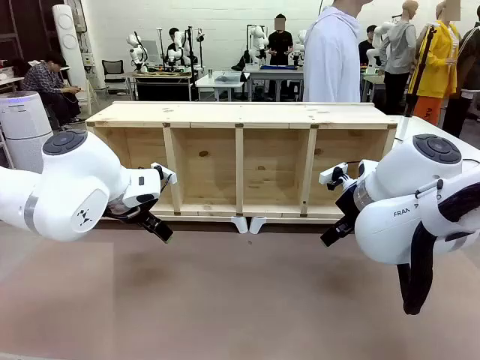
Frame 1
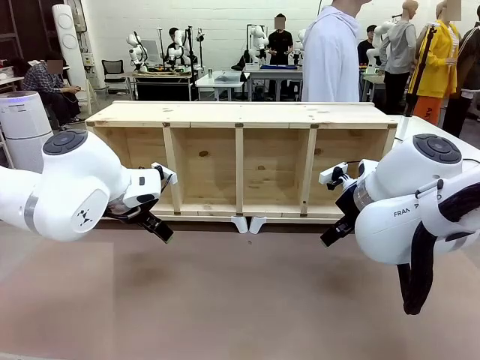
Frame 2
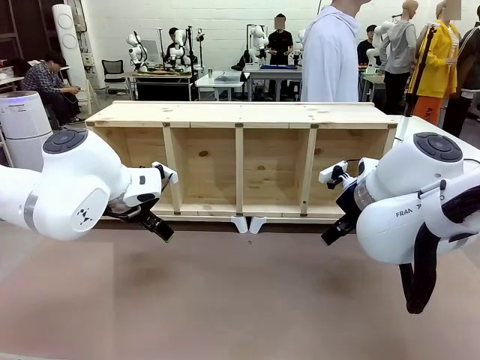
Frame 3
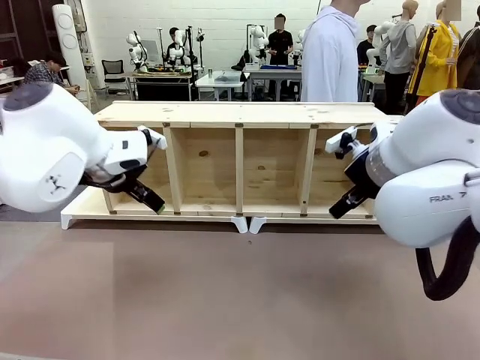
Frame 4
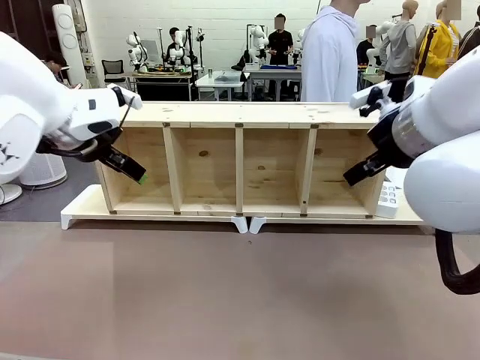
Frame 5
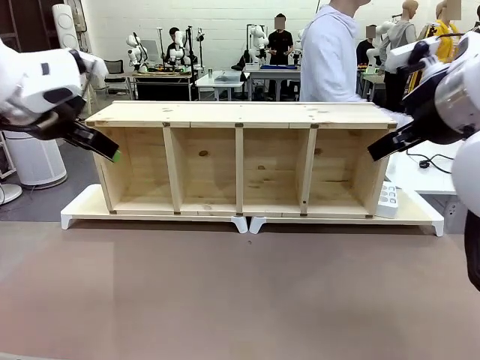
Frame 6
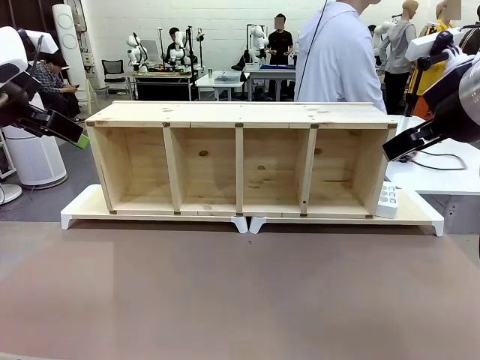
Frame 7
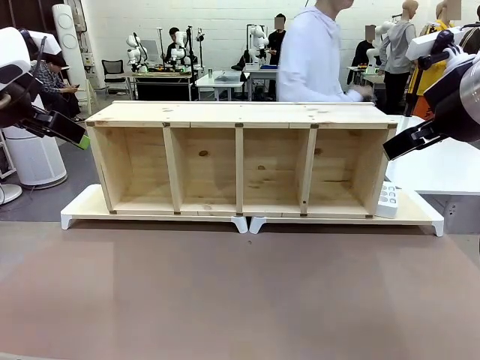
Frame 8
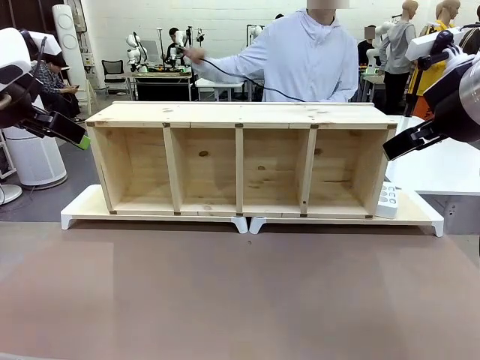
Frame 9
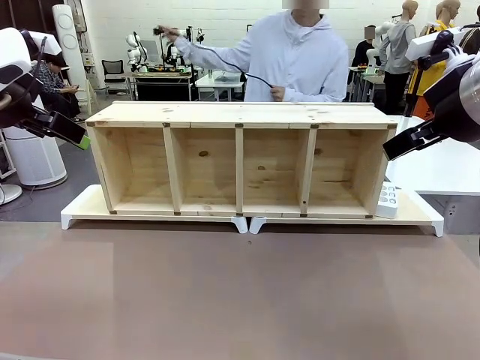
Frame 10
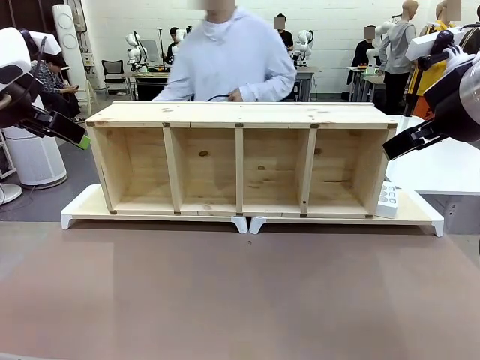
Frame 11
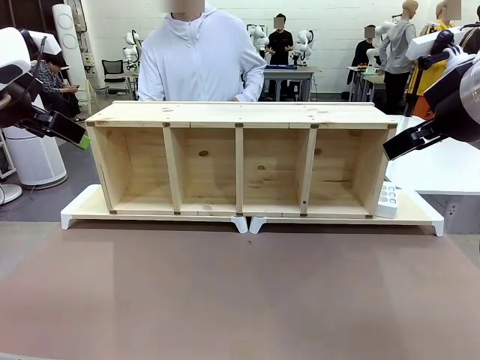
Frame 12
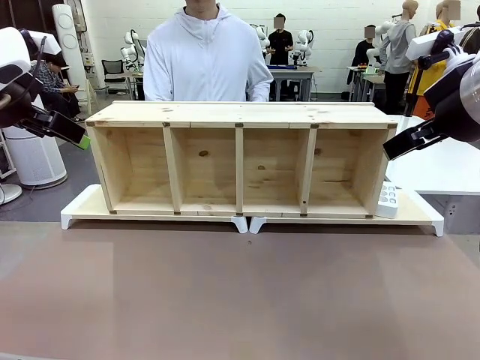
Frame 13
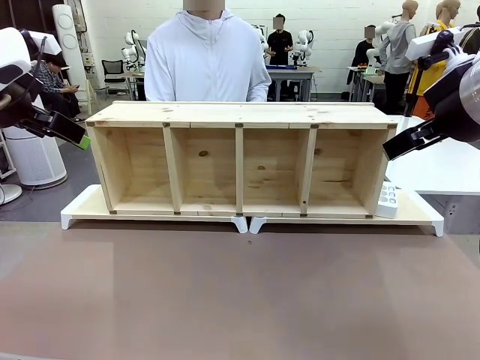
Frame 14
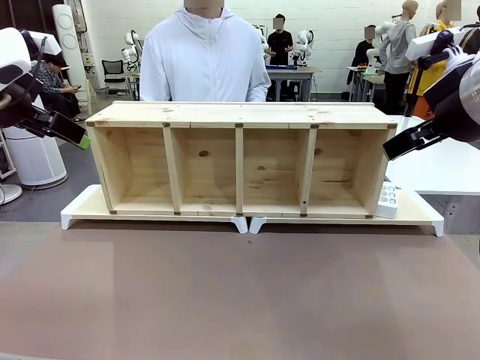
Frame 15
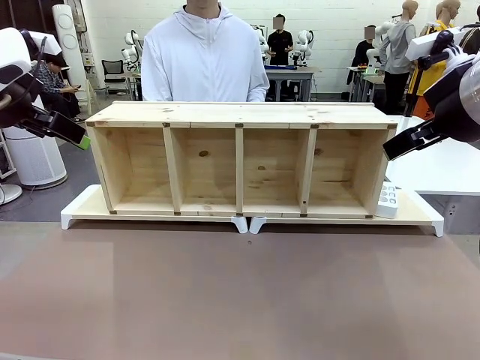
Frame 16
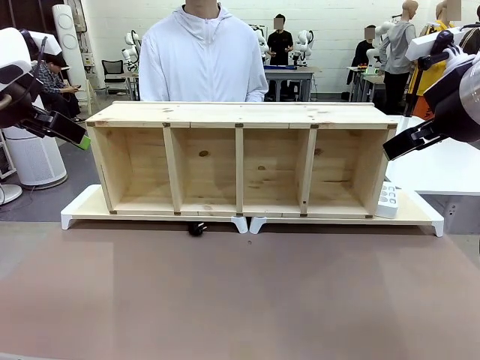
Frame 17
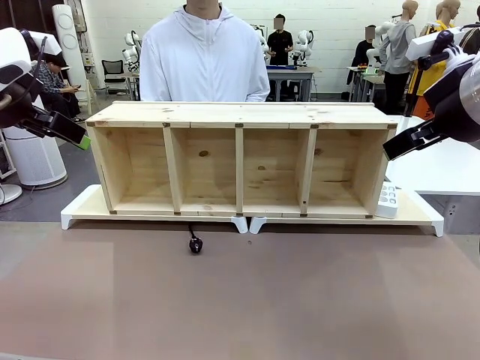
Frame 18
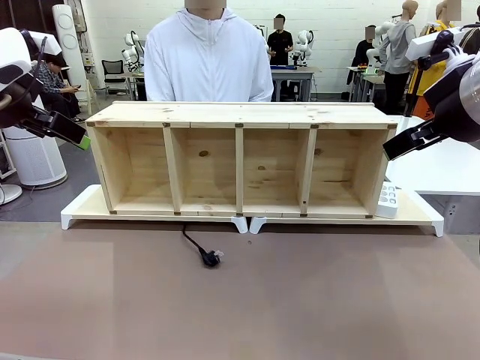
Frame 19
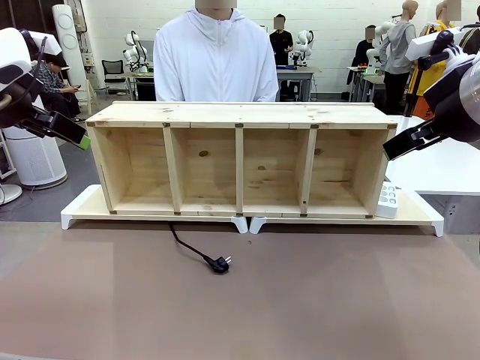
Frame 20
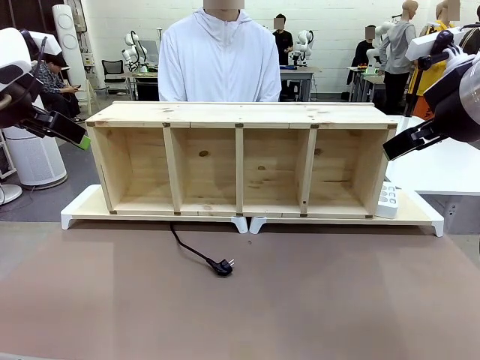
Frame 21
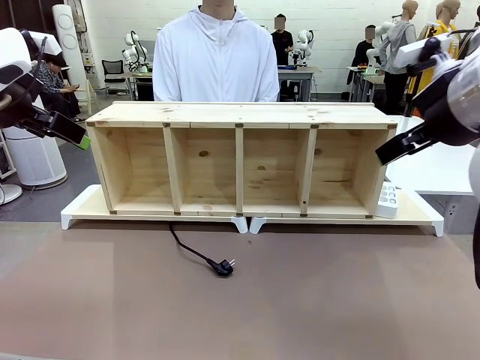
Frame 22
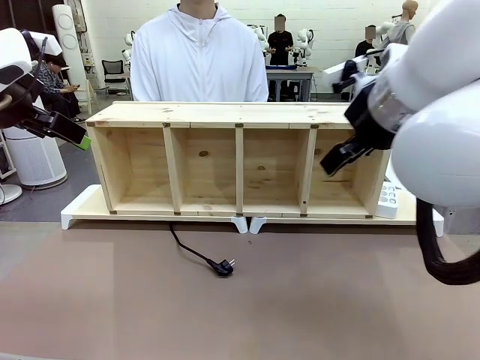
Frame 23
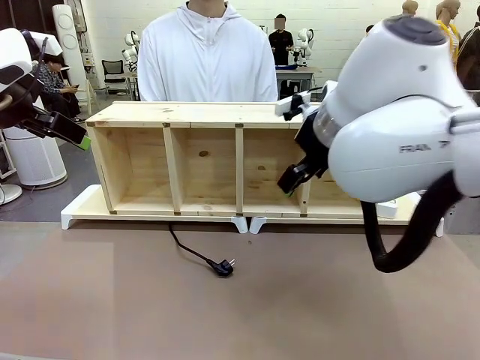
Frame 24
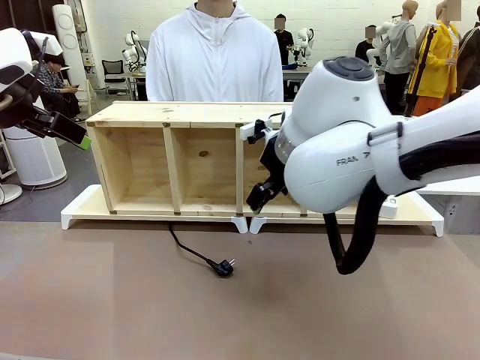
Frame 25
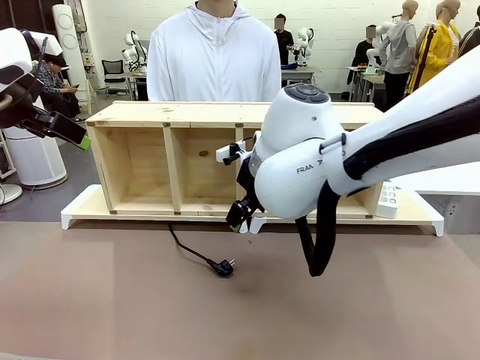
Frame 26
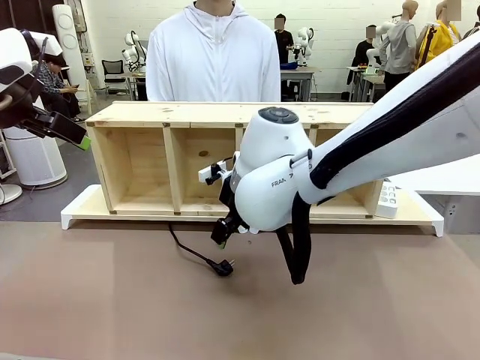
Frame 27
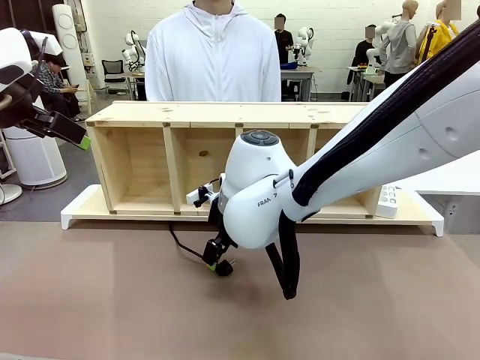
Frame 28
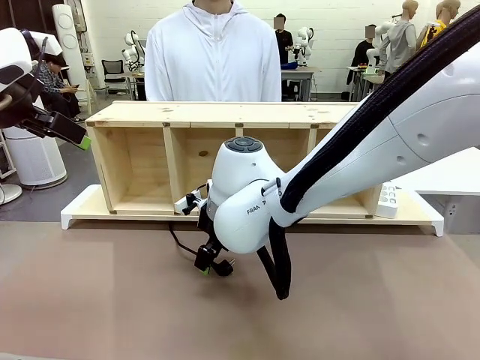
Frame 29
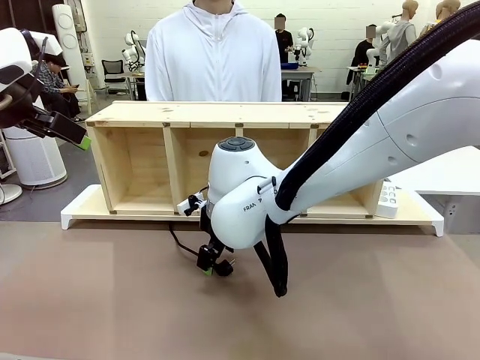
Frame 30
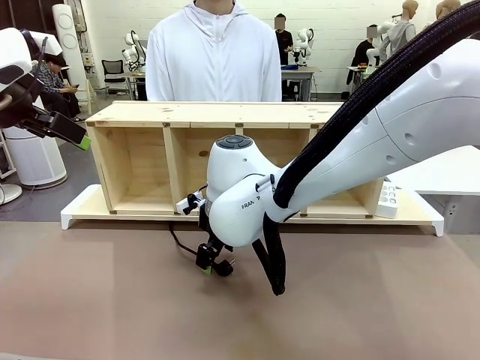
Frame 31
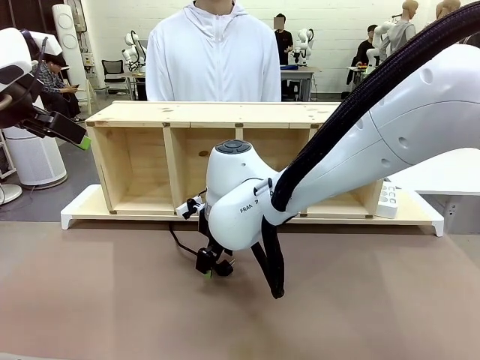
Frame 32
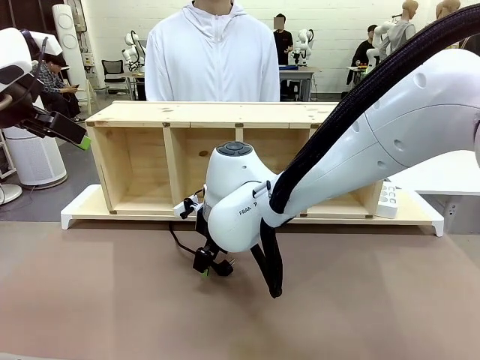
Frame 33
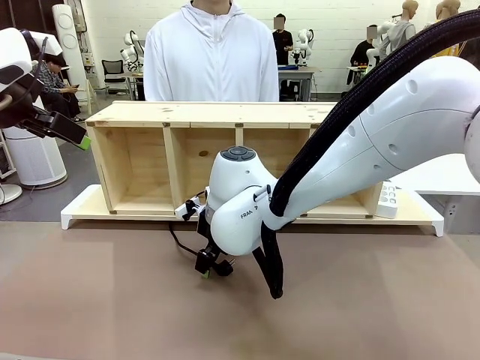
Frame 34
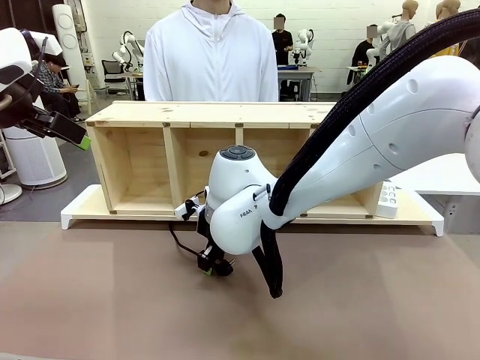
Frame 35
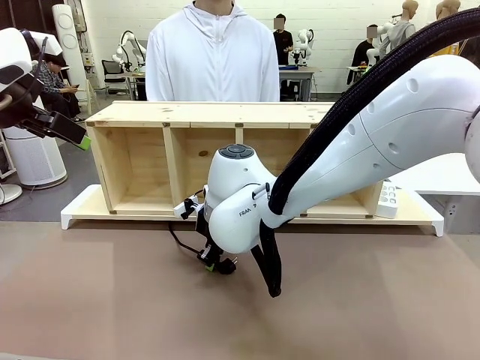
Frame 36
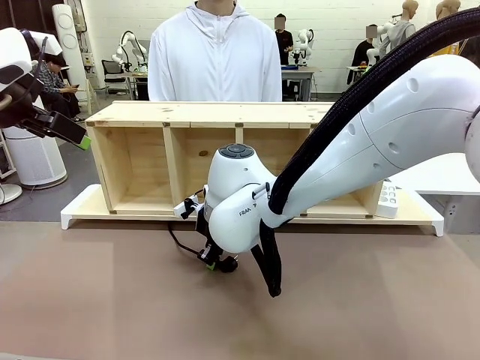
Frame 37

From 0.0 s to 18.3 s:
Task: Perform cable management.
Robot: When the cord part of the Power Cable appears at the lower middle area of the table and stops, grasp the cord part of the Power Cable.
Person: Pass the Power Cable under the Serving Table.

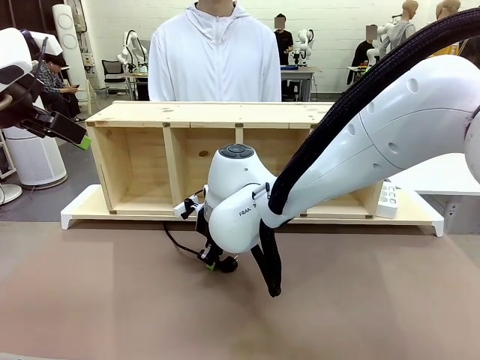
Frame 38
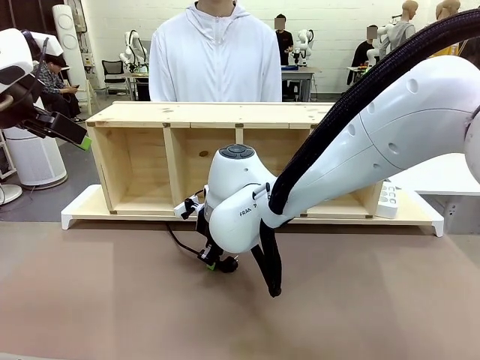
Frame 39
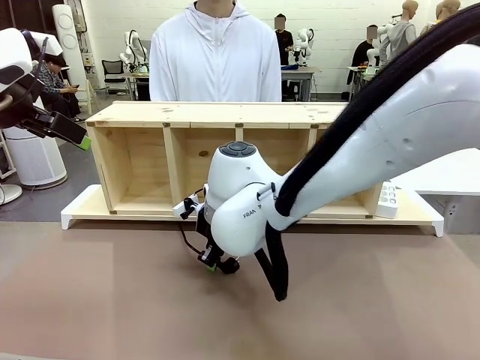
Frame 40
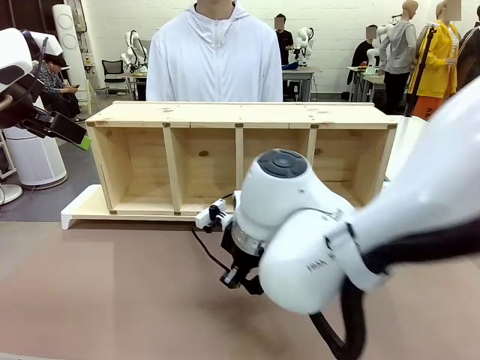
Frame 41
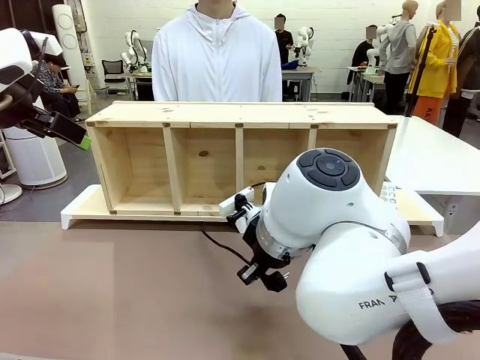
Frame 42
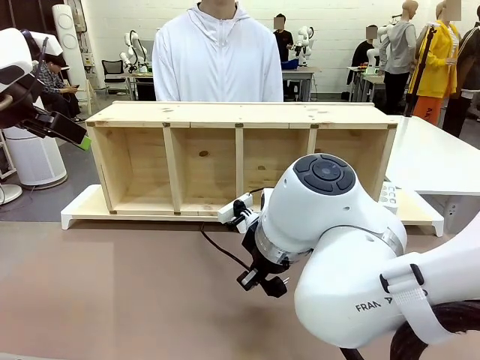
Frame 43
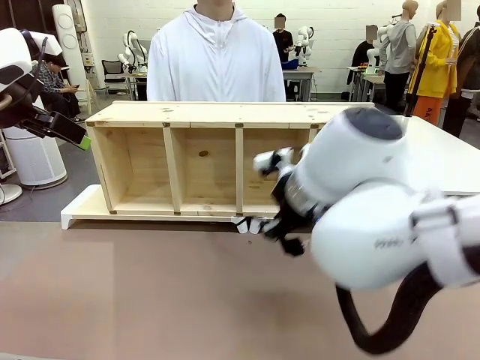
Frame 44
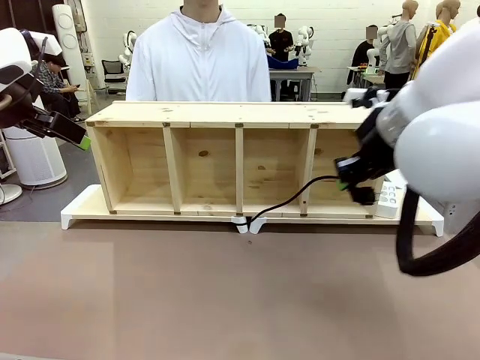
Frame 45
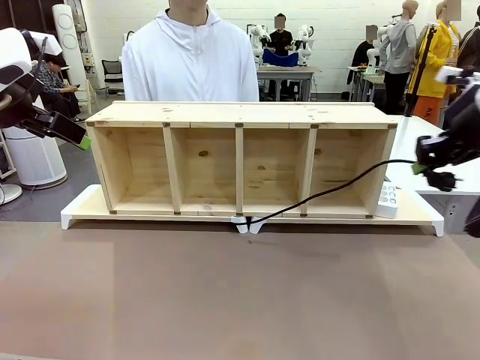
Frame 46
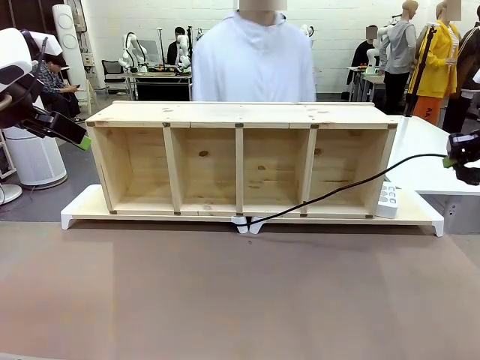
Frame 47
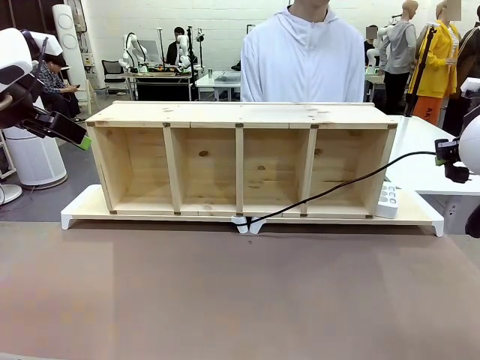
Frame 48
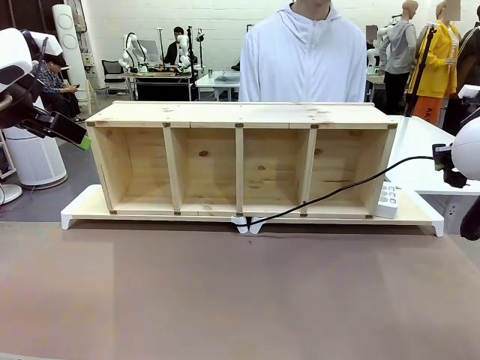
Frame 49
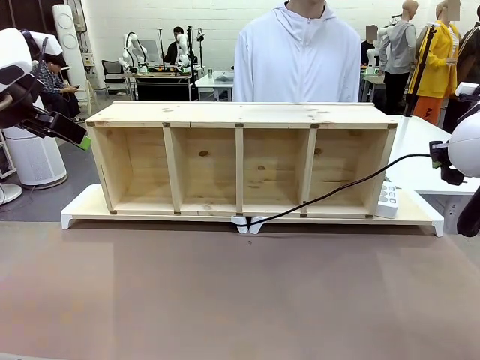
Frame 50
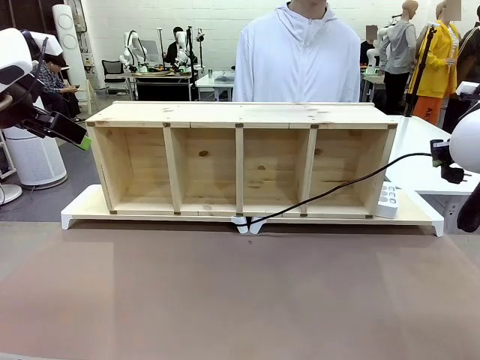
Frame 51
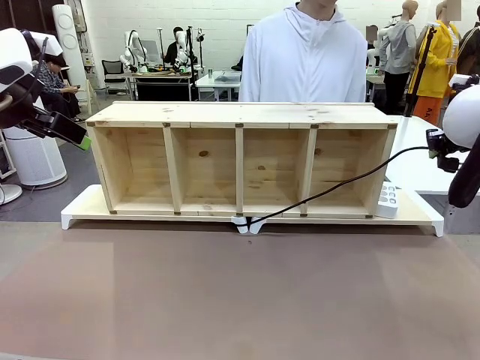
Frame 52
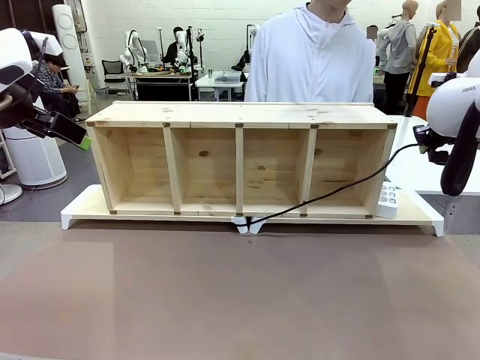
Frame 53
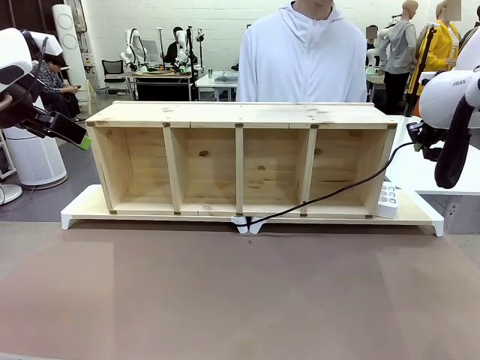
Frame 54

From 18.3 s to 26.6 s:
Robot: Pull the grasped Power Cable to the location of the Power Strip.
